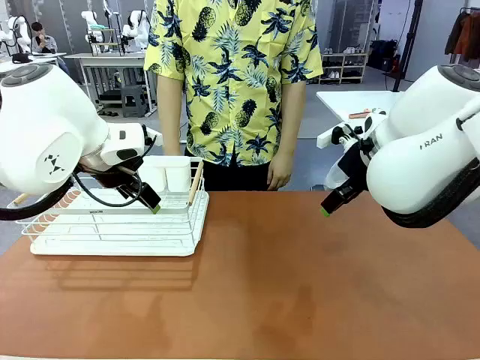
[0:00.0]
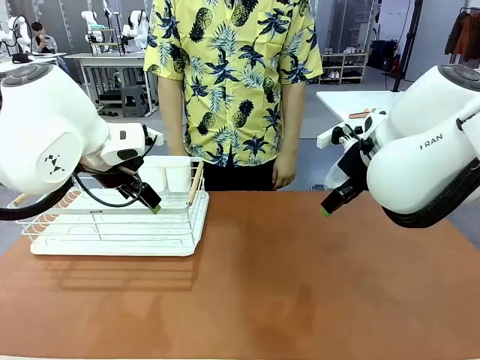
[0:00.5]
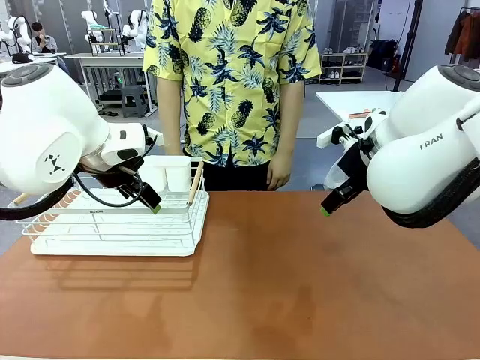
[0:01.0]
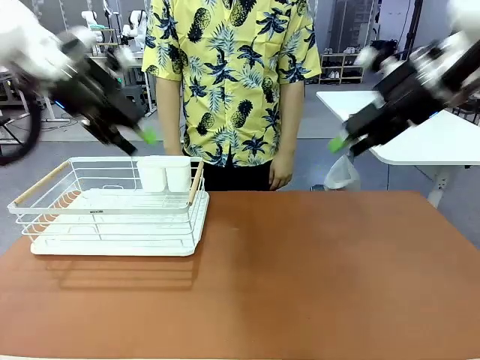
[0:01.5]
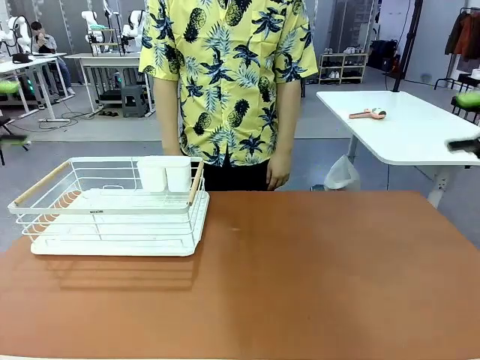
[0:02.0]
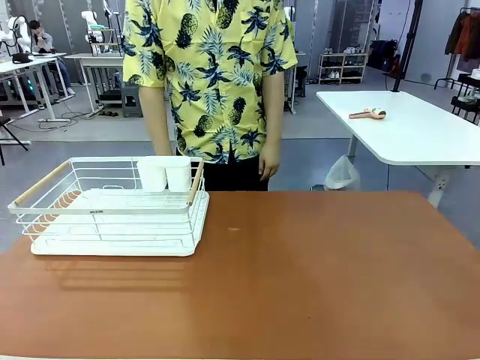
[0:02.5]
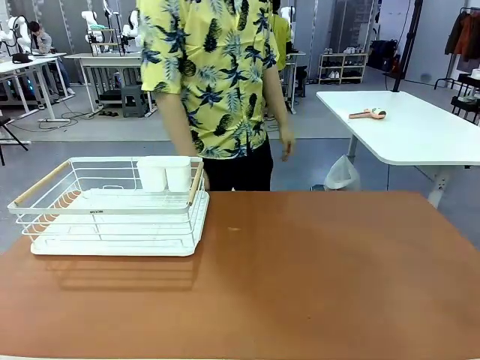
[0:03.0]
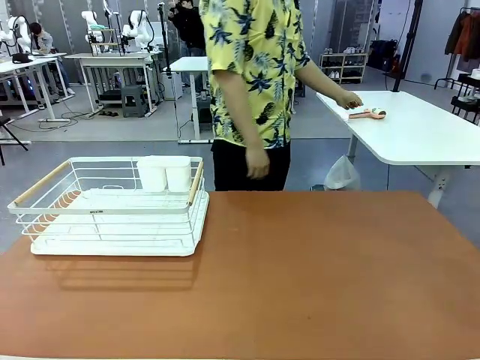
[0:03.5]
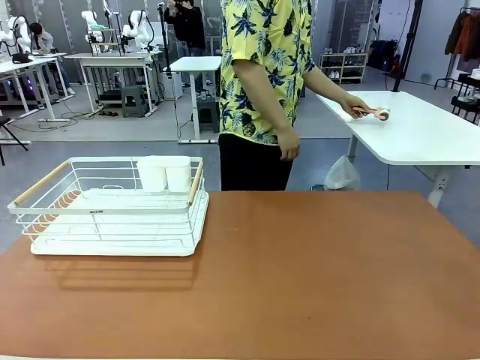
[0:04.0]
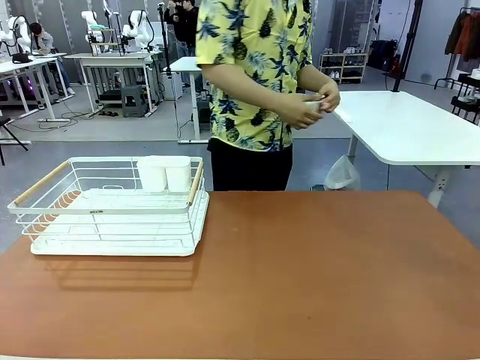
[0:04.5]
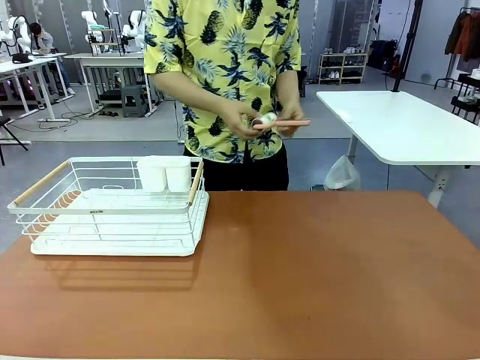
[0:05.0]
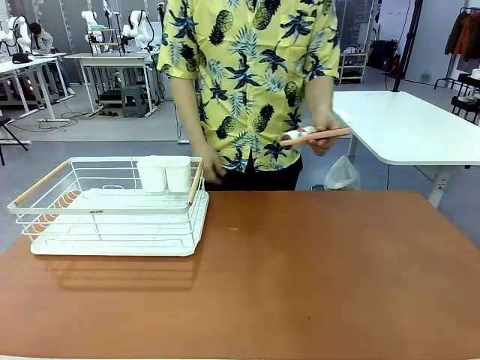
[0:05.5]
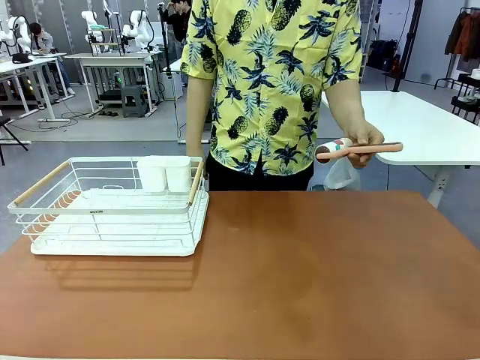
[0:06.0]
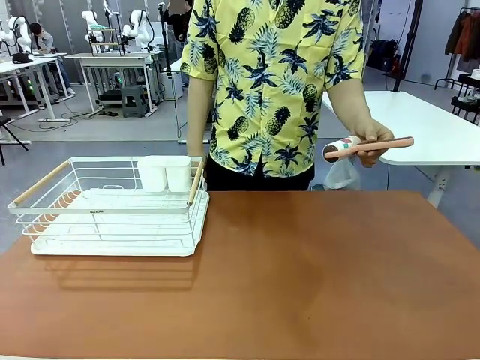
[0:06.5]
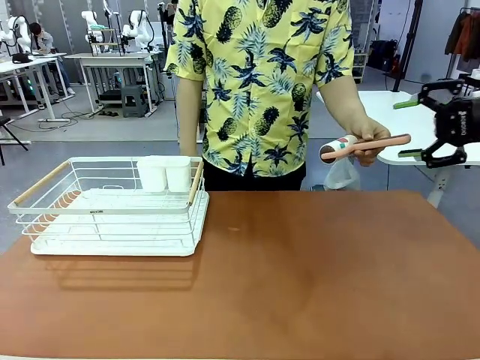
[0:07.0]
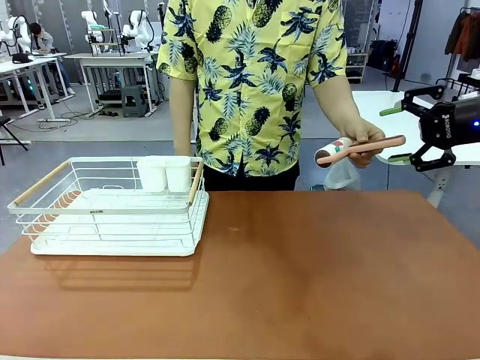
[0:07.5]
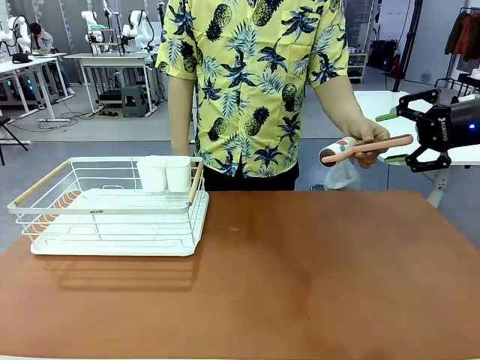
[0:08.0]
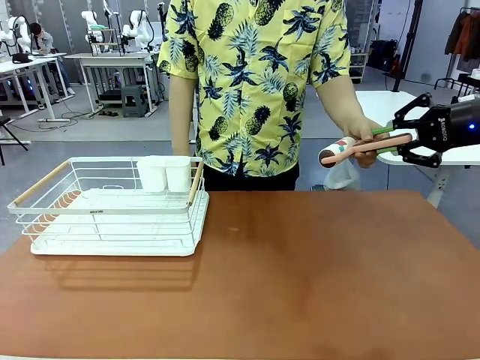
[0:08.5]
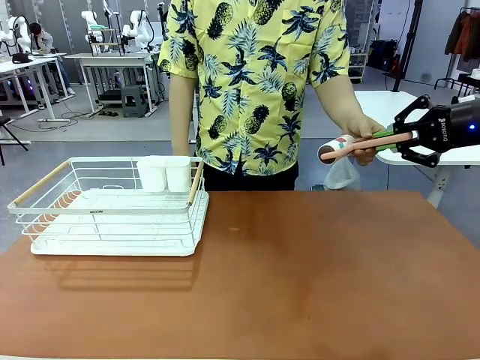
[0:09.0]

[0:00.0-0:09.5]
Task: Clean the table.
Robot: Pick up the Lint Roller when the human hands it over.
Person: Hand the Lint Roller to the robot so it can easily pick it up. Lift the Dish drying rack.

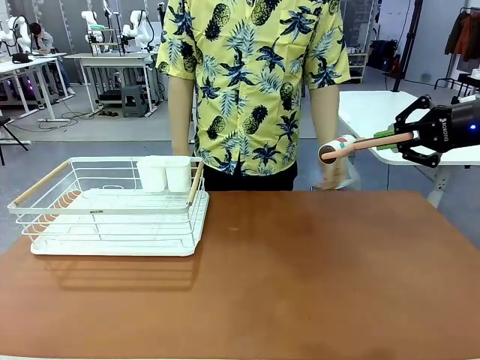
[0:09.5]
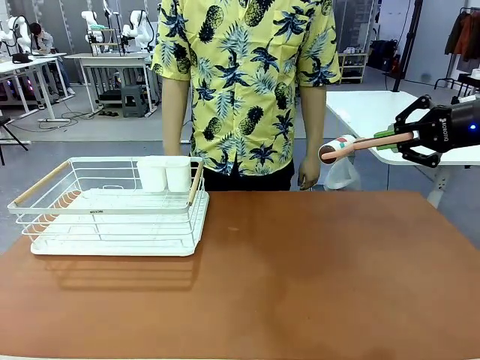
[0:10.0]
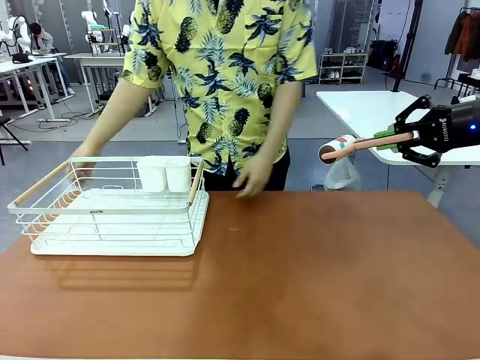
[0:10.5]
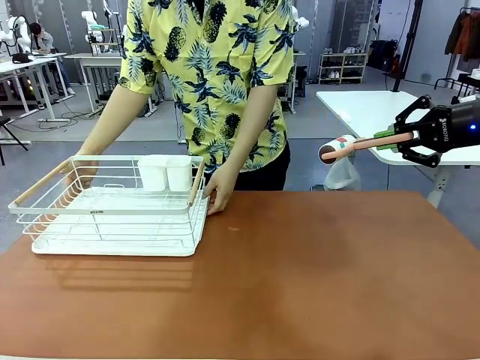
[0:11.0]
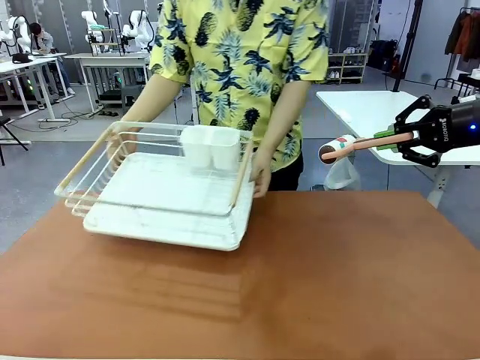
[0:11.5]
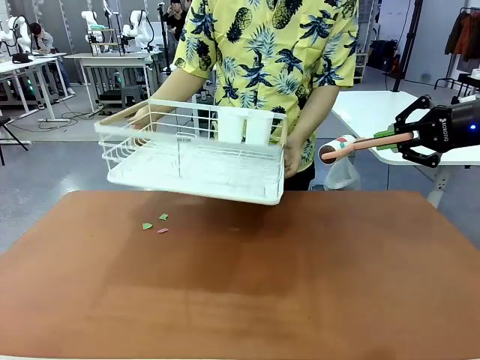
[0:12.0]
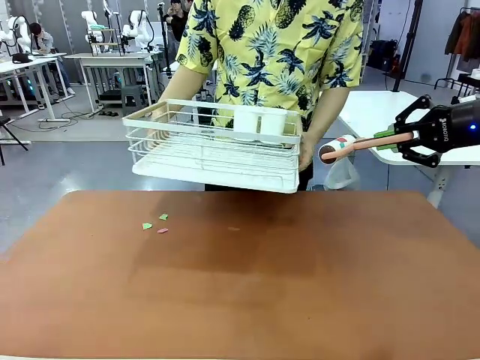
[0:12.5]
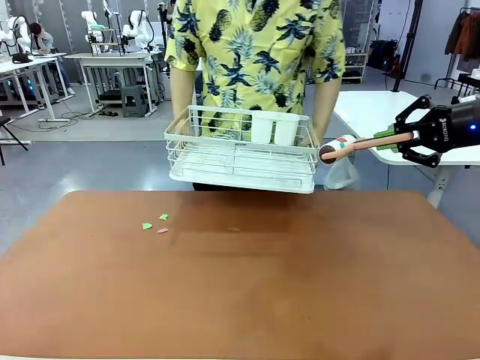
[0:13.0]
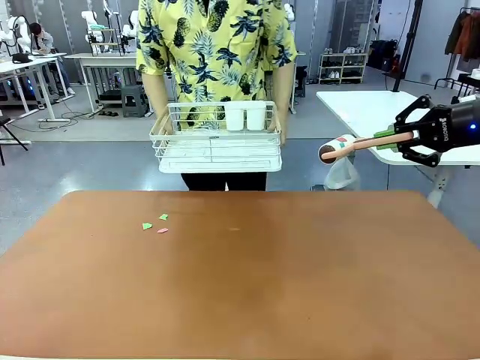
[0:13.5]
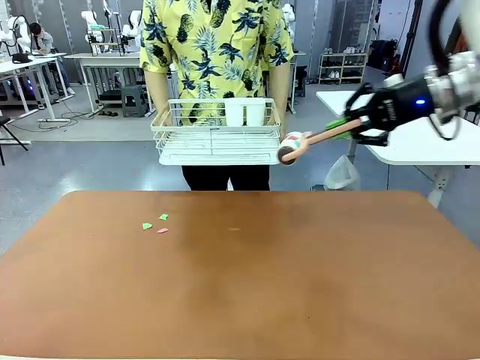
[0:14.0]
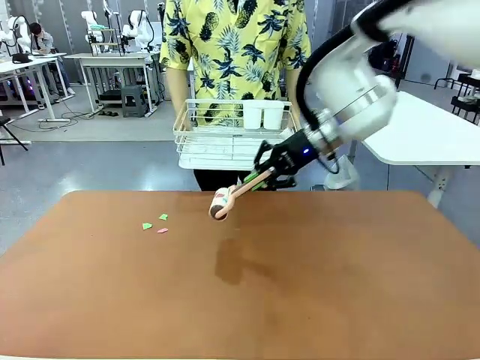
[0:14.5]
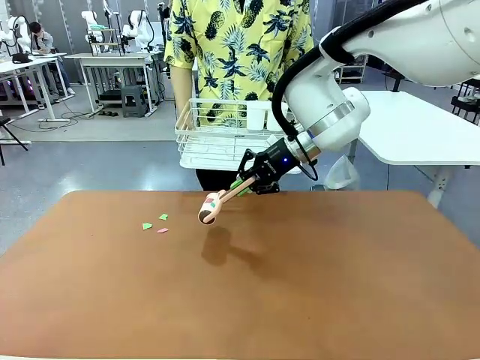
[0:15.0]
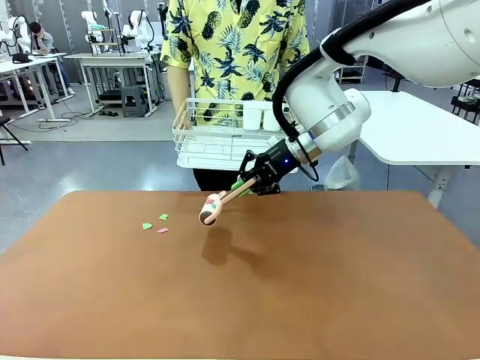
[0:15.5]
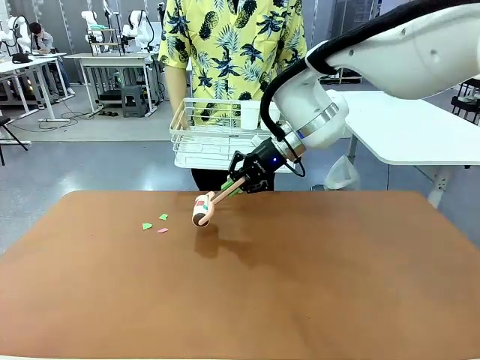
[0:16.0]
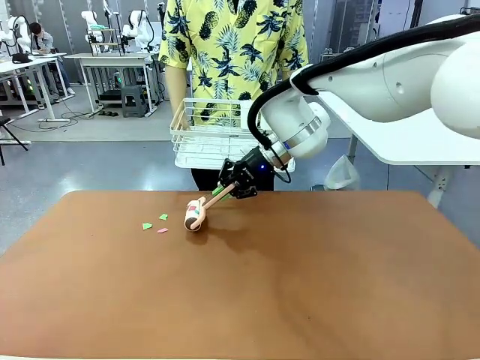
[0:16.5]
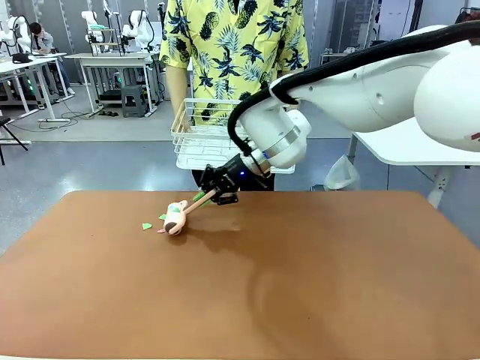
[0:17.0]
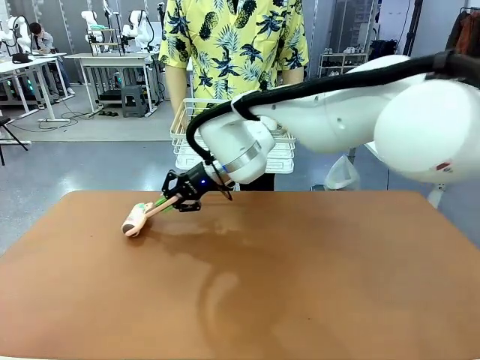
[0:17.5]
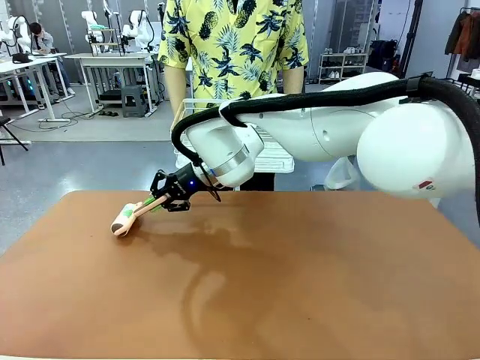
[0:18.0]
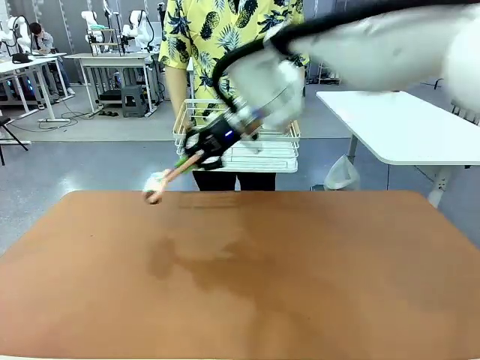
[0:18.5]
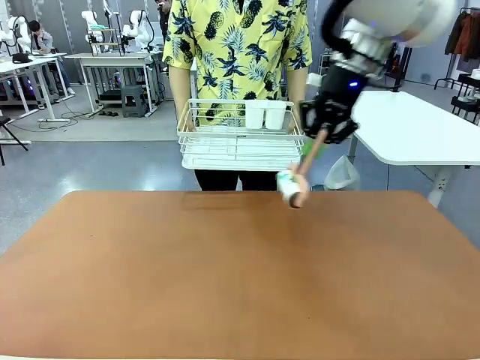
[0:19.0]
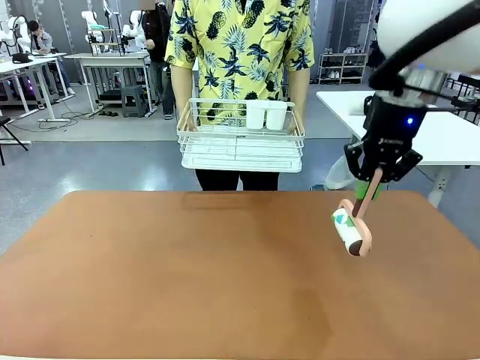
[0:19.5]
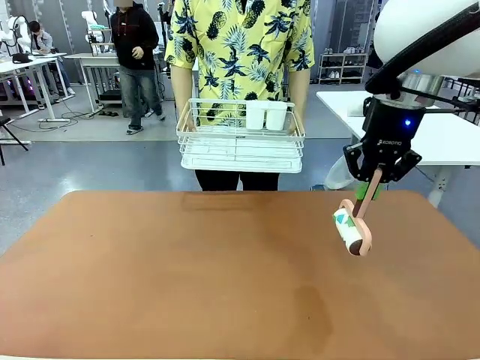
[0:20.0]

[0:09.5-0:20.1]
Robot: Clean the table with the Lint Roller when the human lifts the Dish drying rack.
Person: Place the Dish drying rack down when the robot finishes cleaning.

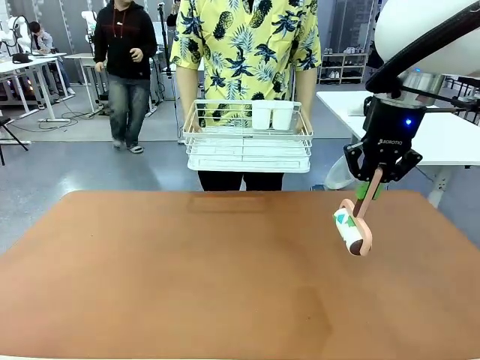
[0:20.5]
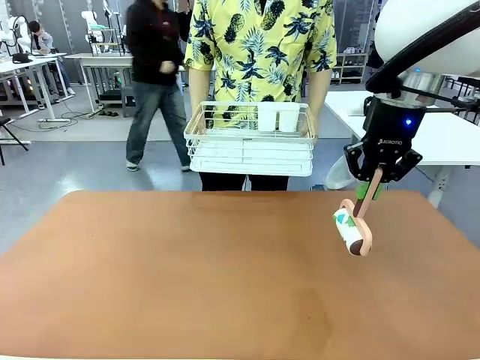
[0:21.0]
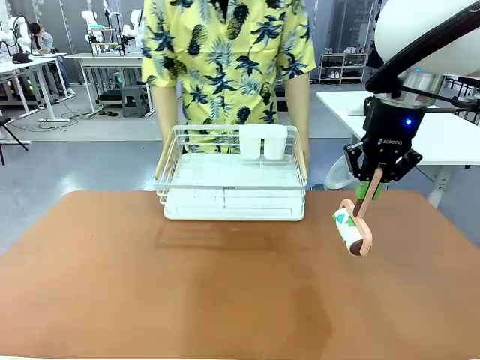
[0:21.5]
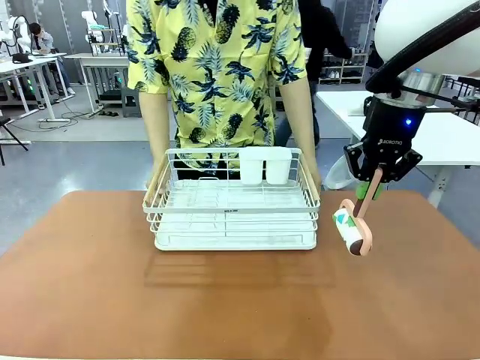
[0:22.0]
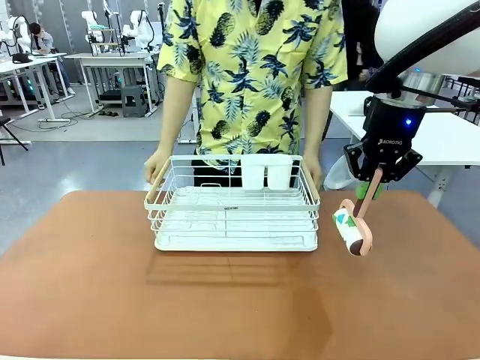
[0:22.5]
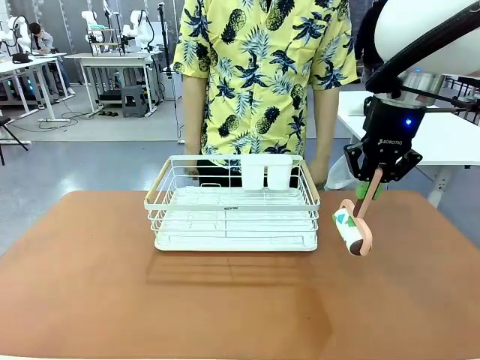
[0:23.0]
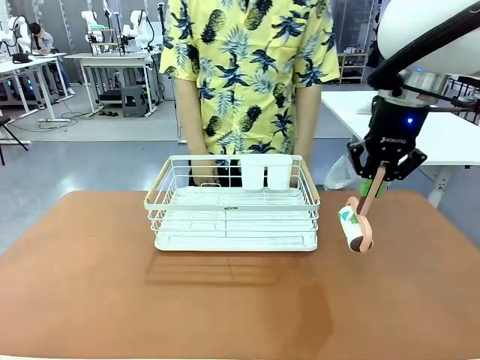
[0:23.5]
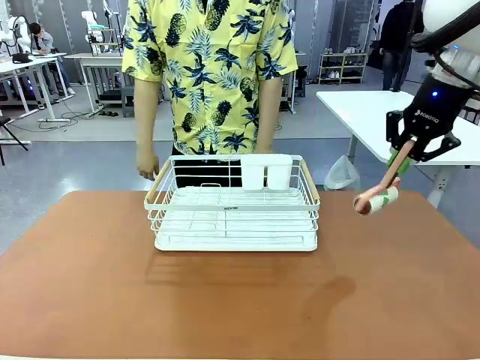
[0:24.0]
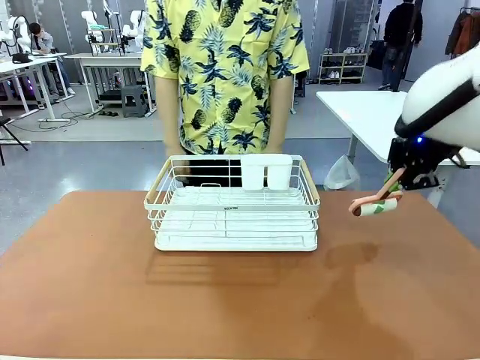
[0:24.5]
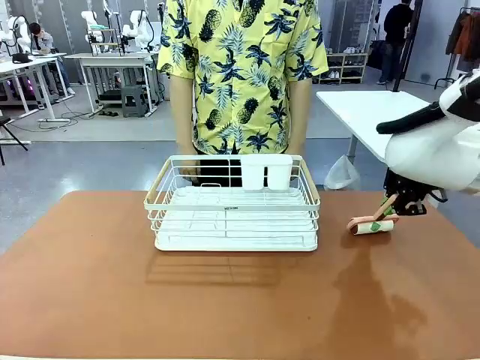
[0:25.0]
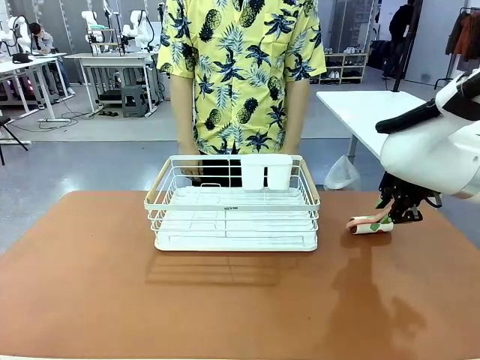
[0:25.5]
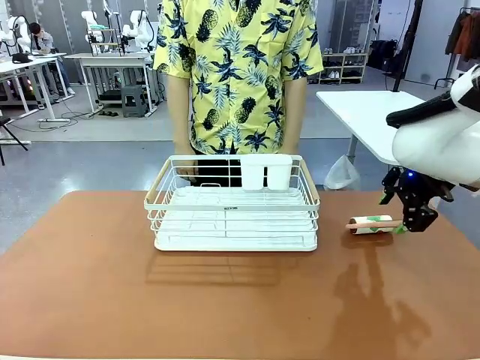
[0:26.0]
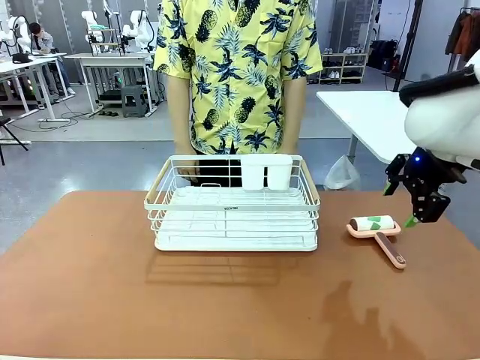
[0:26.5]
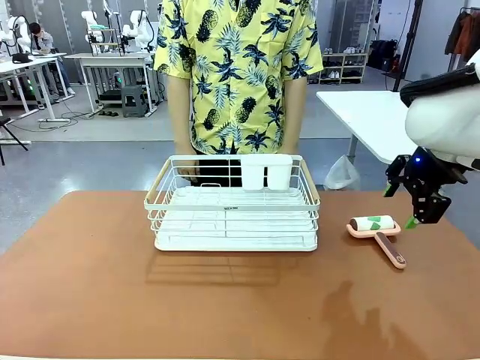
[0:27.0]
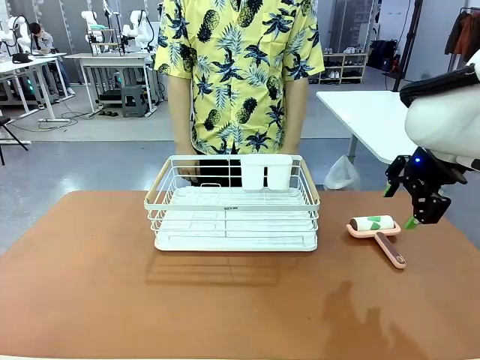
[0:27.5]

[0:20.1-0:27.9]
Robot: Place the Lint Roller down when the Dish drying rack is positioned in the middle of the table.
